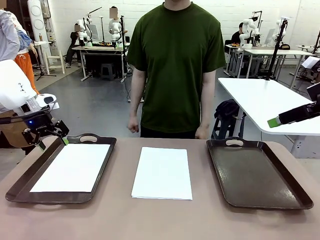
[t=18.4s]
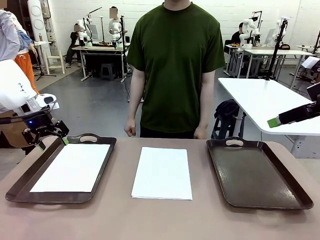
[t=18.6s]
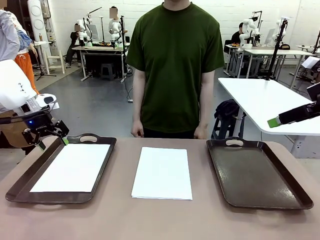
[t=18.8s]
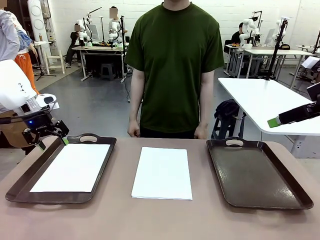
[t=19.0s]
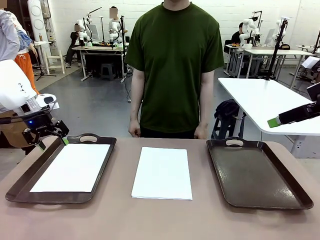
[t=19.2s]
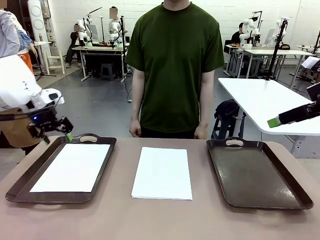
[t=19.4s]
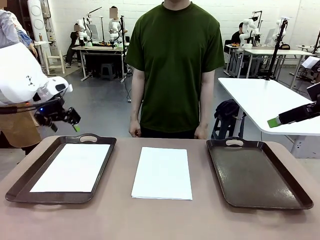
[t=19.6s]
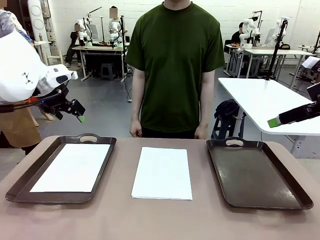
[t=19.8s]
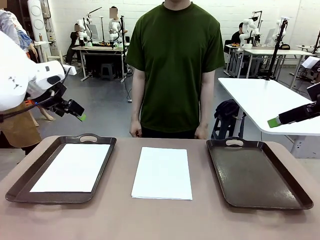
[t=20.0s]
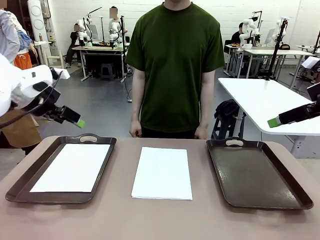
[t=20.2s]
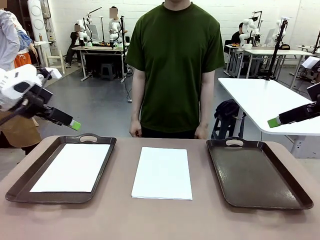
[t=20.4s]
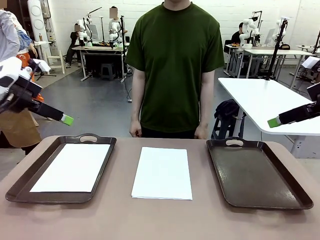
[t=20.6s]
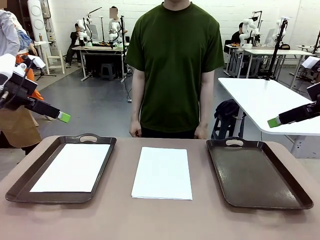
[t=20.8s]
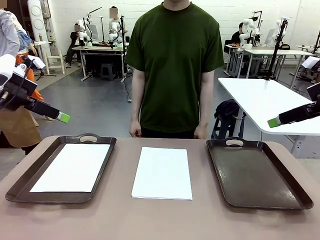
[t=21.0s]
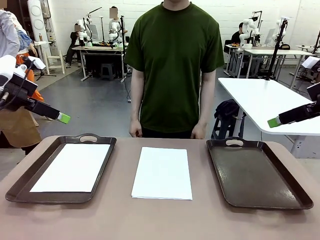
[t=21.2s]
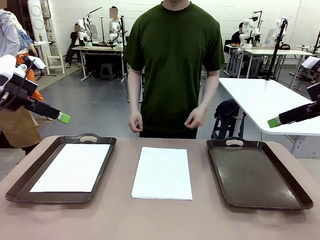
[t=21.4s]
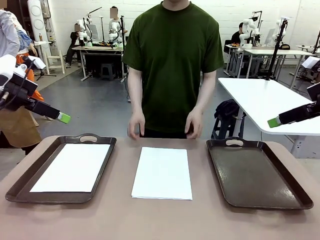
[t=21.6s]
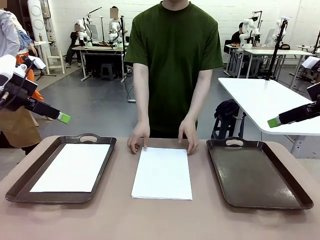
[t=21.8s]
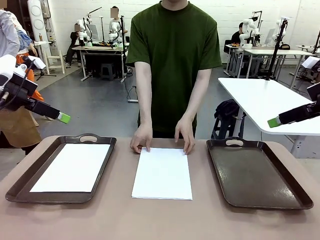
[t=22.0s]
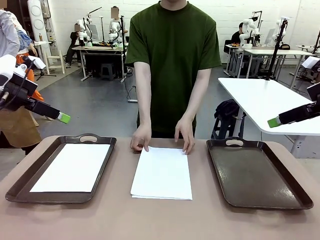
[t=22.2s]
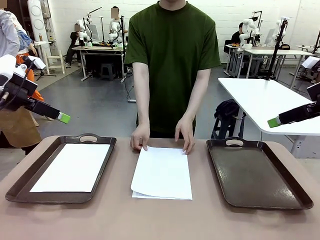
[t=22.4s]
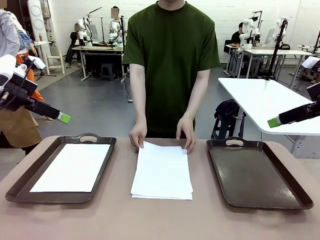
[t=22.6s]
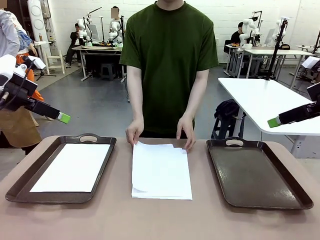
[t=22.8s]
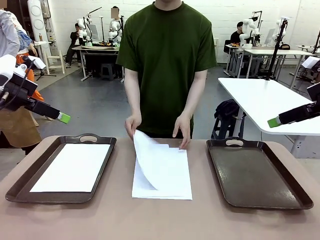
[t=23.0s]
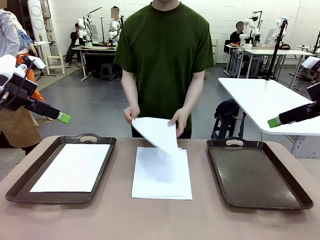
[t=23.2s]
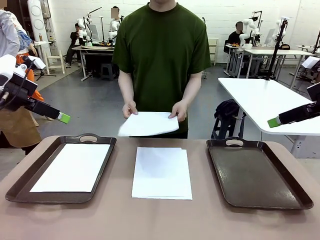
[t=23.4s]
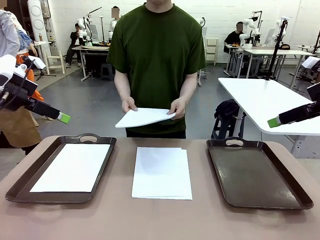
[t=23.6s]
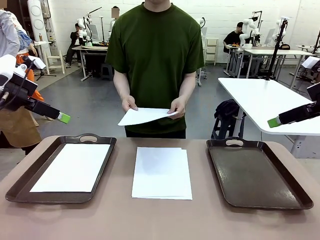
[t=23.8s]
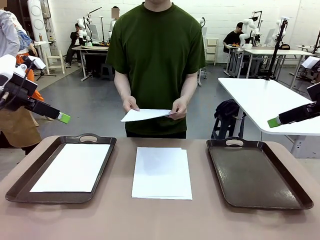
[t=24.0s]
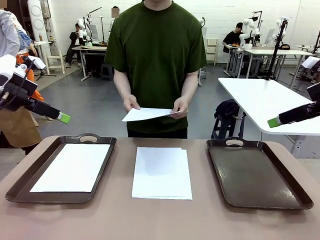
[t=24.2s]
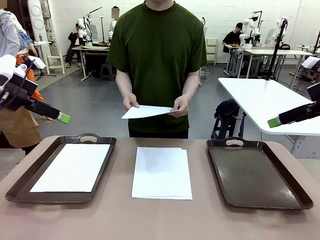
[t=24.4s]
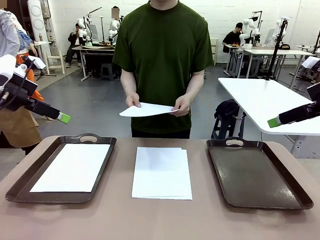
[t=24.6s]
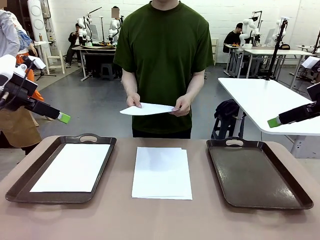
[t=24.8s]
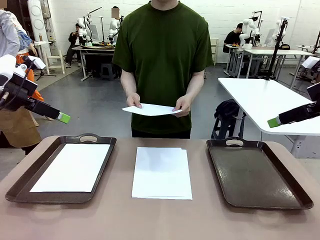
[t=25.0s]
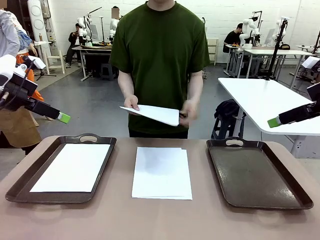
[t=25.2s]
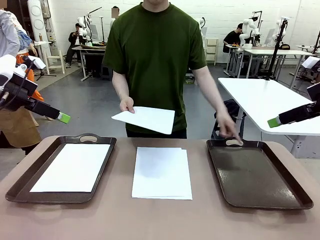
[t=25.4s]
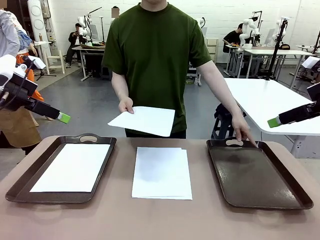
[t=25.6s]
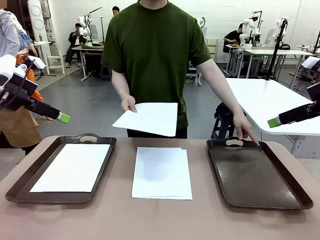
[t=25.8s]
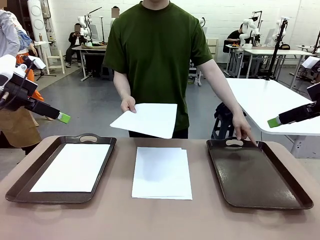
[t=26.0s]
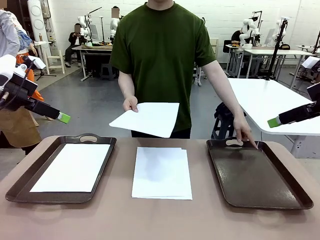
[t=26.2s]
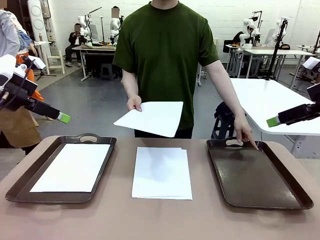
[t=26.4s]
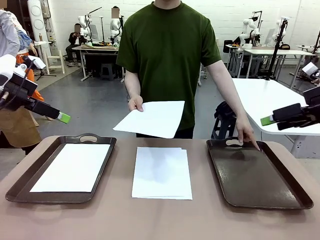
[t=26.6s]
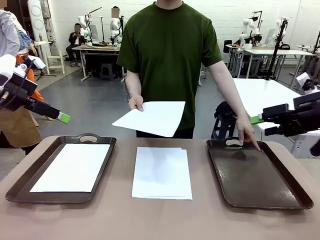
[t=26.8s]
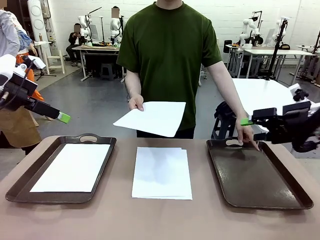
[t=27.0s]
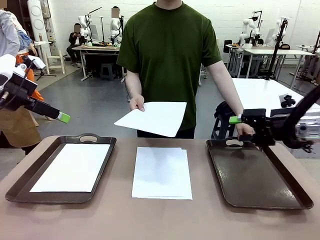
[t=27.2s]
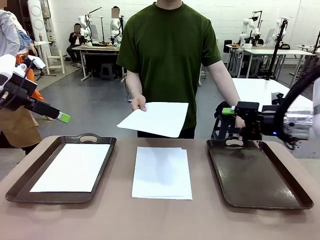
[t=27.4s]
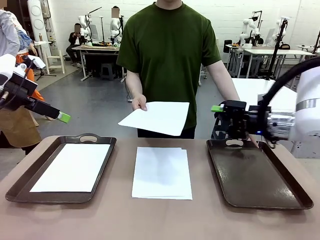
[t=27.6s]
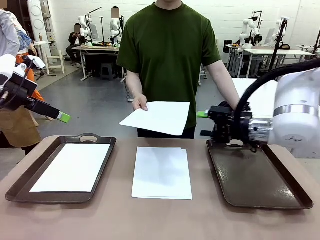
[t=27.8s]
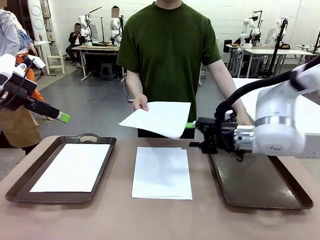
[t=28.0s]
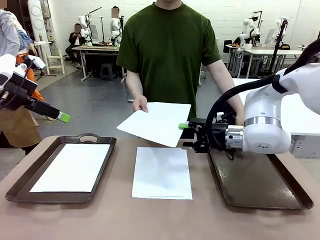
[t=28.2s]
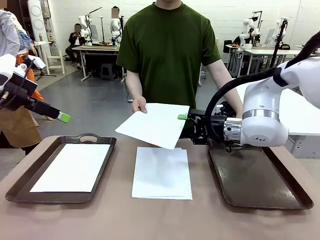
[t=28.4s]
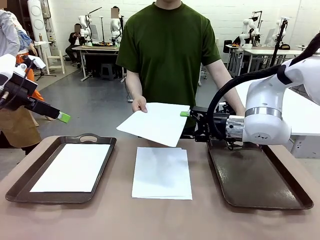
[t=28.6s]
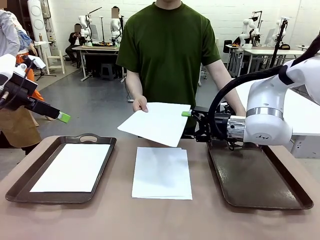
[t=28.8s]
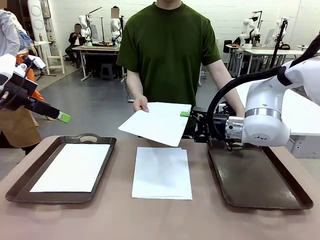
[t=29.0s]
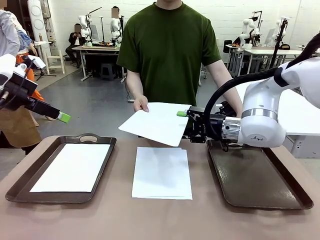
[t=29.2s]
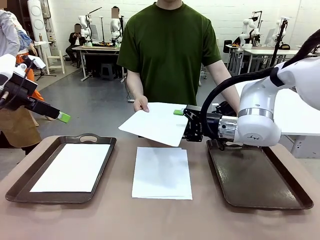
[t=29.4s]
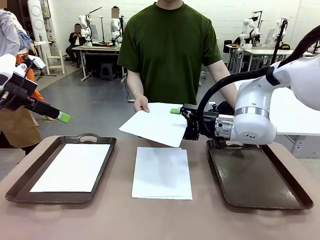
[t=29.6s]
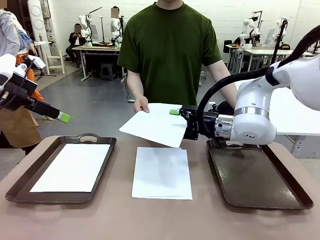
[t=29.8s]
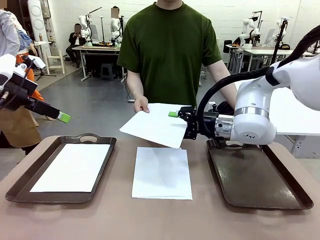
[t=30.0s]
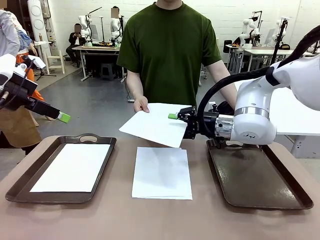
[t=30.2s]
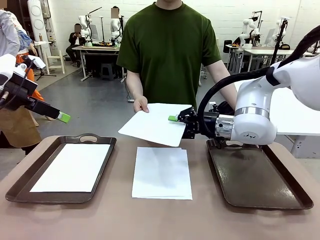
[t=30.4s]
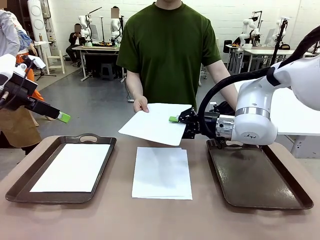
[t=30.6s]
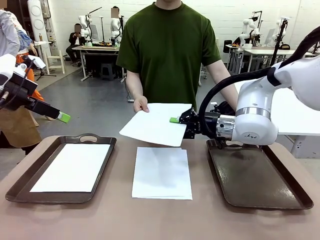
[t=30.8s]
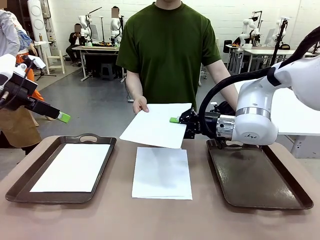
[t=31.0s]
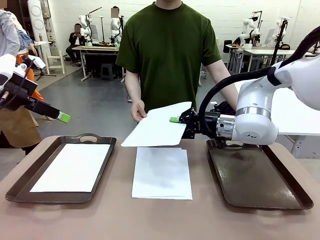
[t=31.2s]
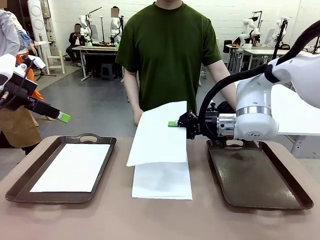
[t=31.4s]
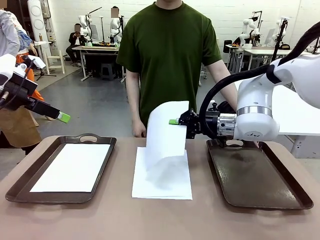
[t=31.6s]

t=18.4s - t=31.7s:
Task: Sort the A4 documents.
Robot: Receive the A4 Paper.
Person: Point the randomly selected tray with the other hand.

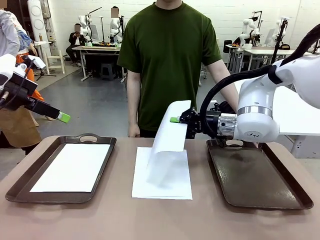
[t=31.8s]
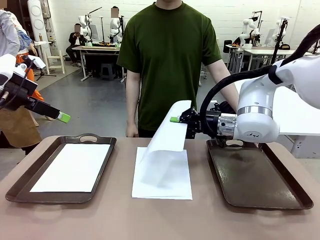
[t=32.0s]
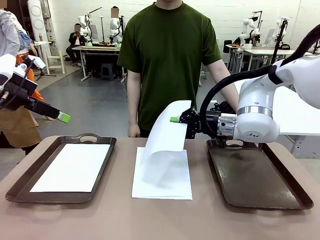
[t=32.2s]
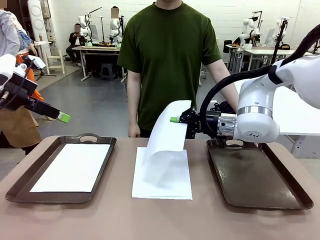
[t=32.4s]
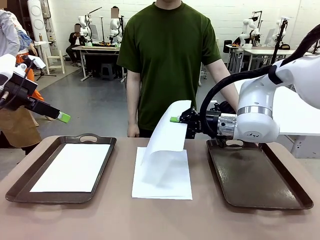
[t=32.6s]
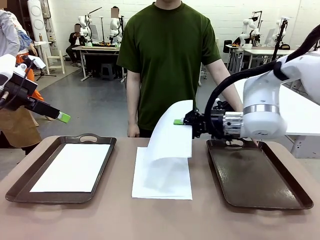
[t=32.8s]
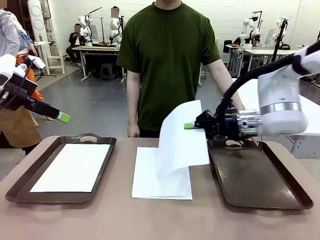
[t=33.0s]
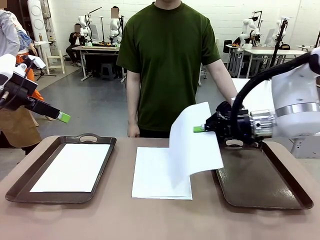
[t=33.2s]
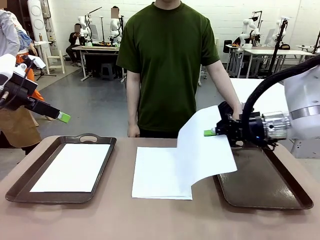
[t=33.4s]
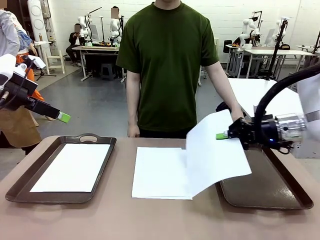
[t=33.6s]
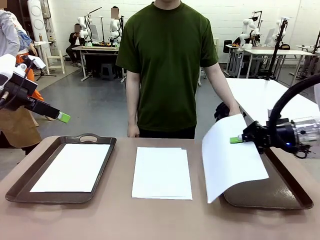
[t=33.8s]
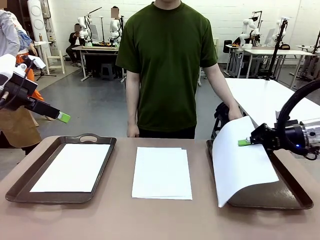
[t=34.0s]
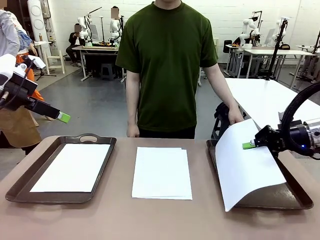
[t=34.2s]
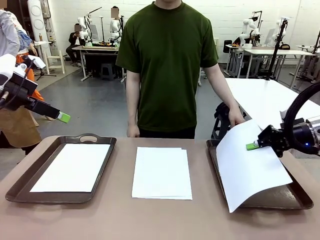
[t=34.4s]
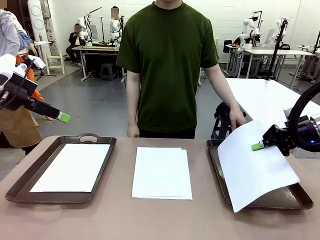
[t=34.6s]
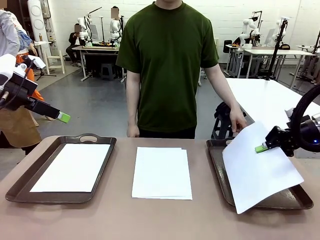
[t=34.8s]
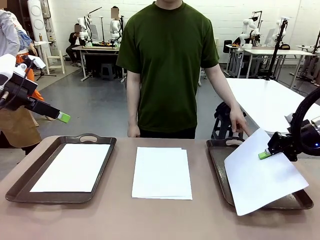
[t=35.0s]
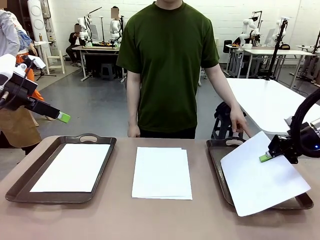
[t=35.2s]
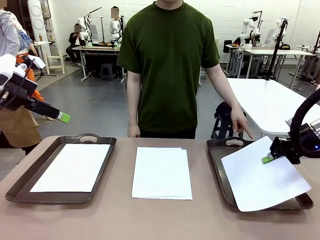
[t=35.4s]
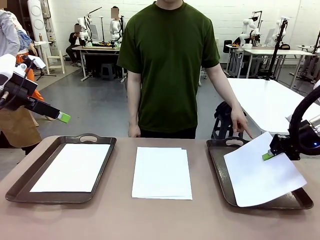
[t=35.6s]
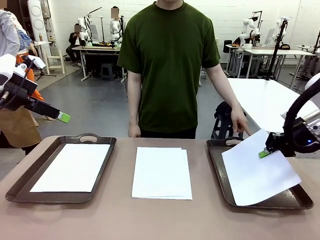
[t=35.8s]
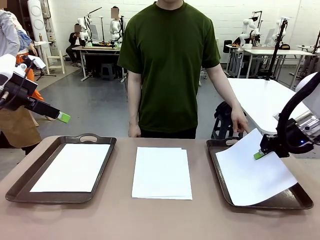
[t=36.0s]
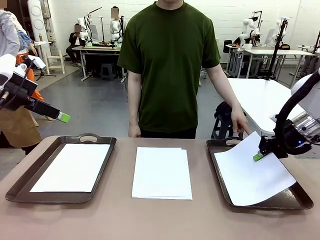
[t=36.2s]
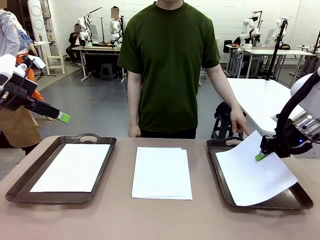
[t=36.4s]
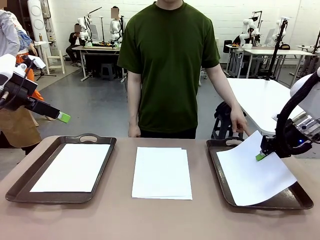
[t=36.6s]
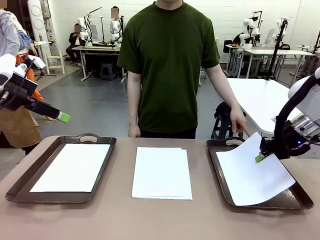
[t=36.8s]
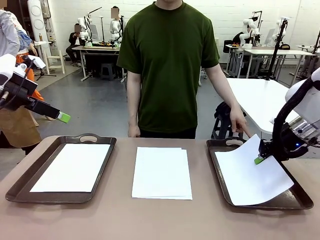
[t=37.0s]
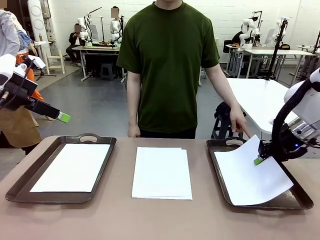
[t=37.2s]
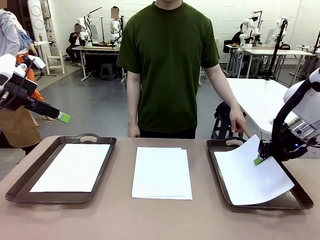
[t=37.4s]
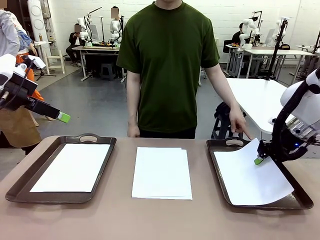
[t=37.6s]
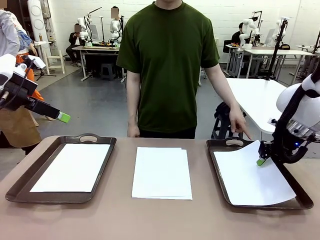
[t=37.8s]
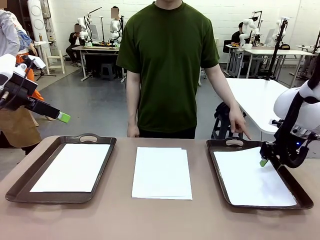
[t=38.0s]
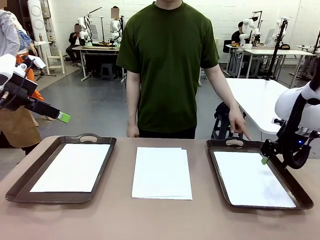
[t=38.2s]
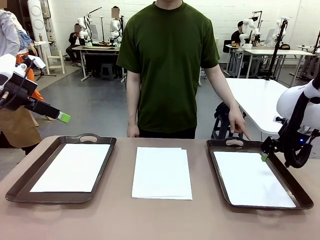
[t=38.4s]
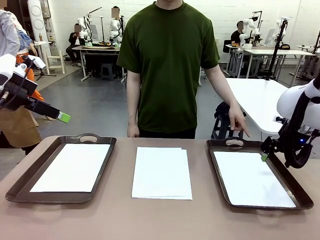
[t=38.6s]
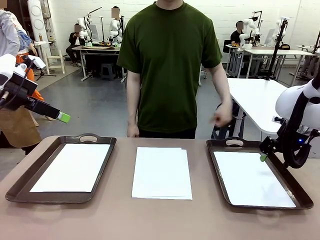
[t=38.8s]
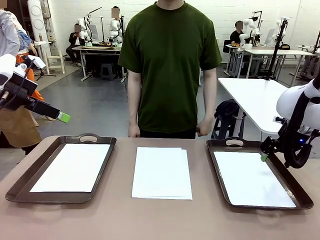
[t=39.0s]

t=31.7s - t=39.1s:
Robot: Place the A4 Paper in the designated Handle tray.
